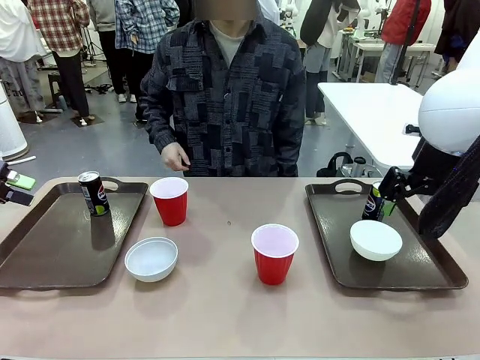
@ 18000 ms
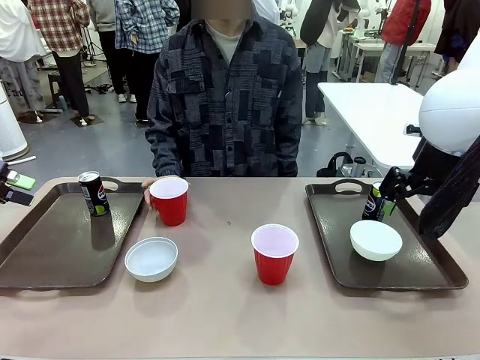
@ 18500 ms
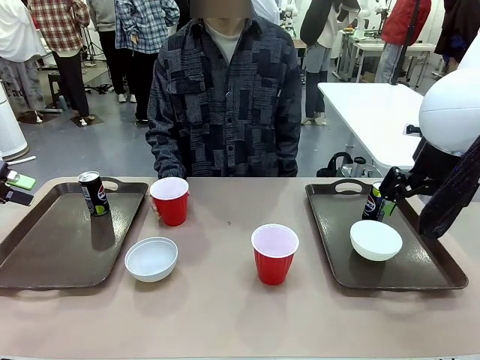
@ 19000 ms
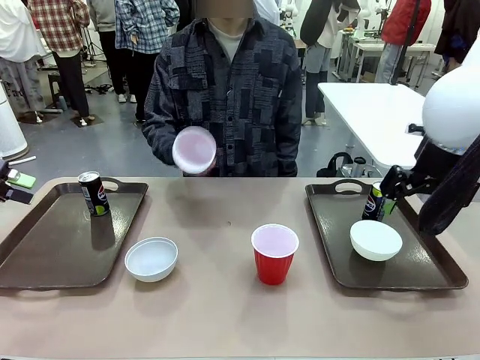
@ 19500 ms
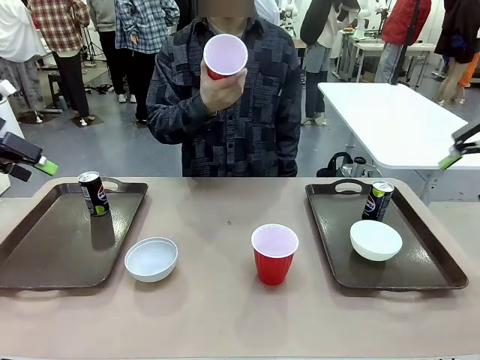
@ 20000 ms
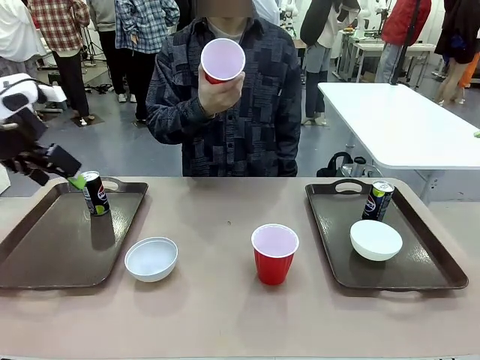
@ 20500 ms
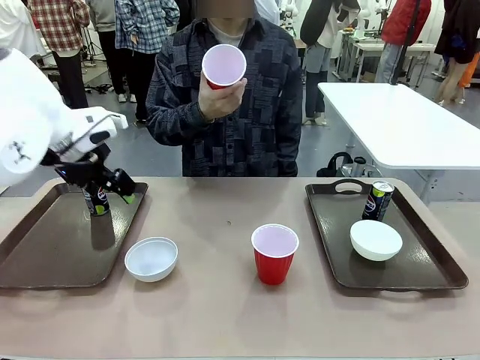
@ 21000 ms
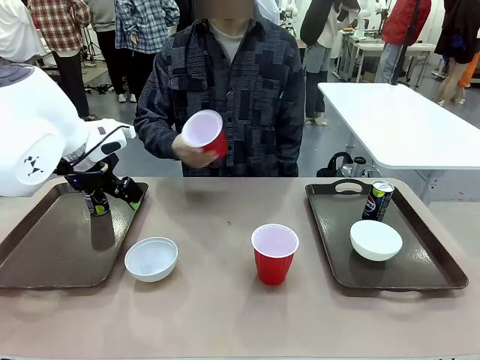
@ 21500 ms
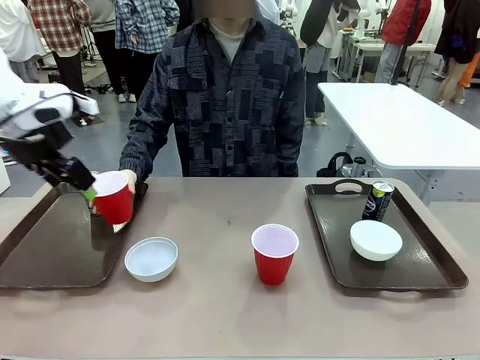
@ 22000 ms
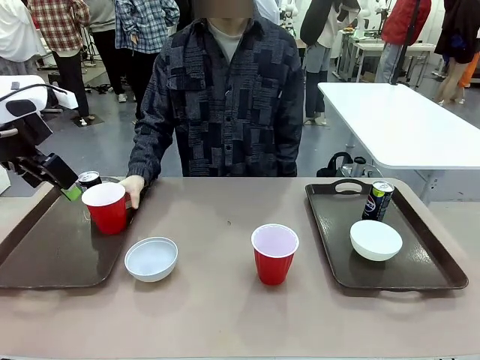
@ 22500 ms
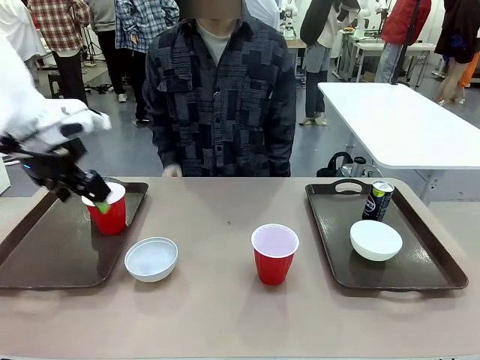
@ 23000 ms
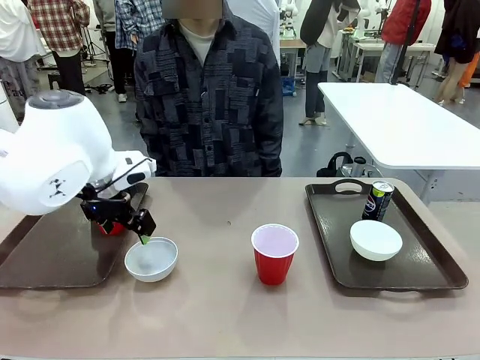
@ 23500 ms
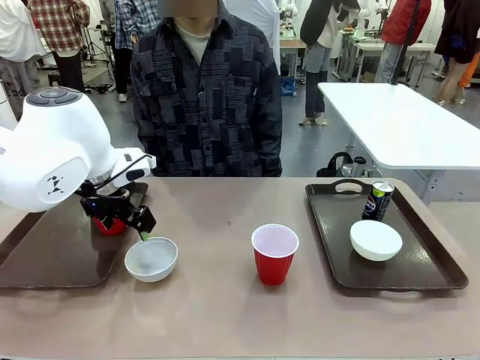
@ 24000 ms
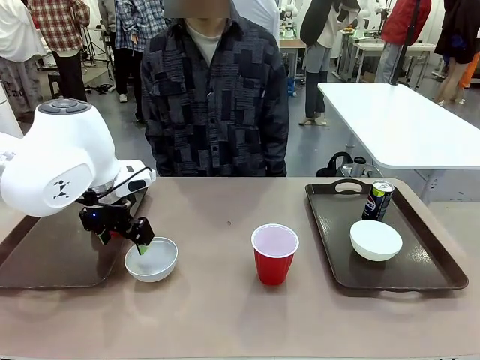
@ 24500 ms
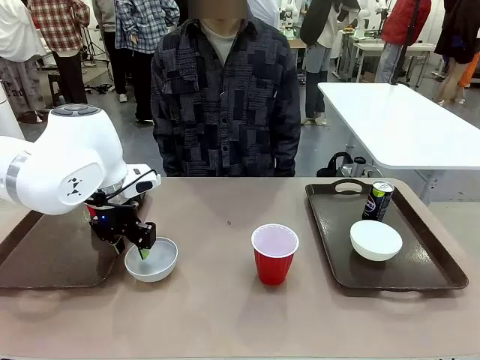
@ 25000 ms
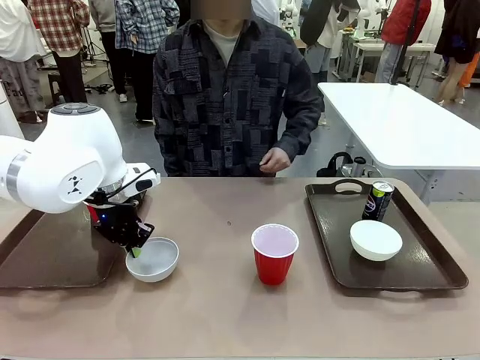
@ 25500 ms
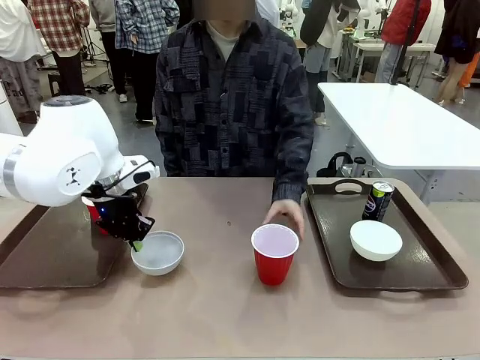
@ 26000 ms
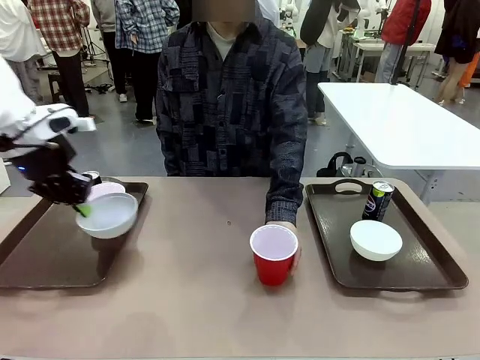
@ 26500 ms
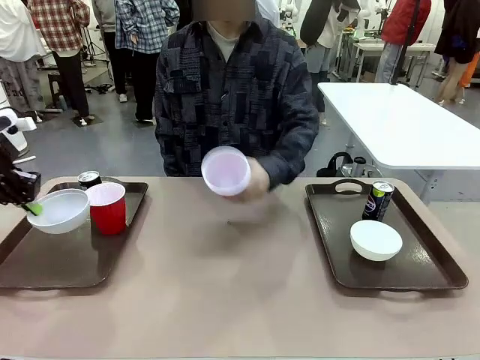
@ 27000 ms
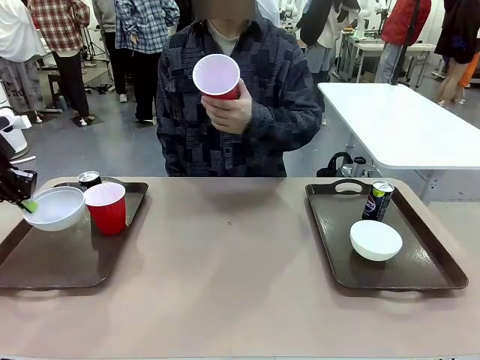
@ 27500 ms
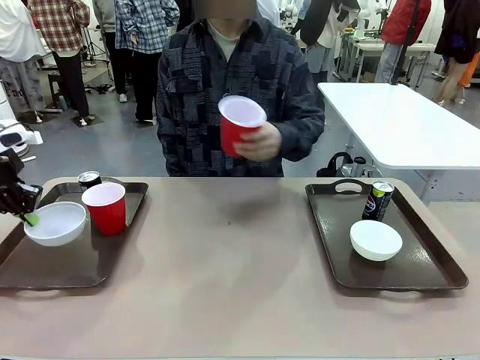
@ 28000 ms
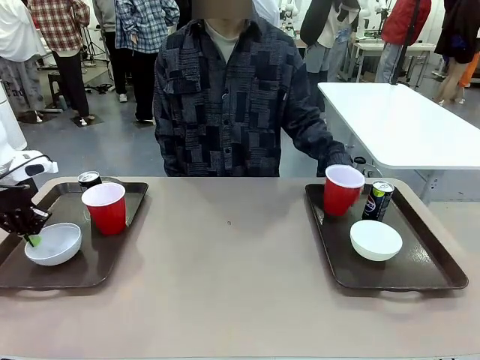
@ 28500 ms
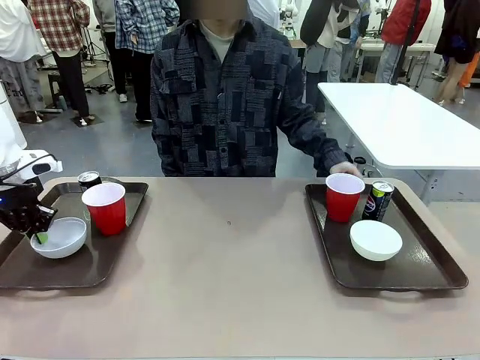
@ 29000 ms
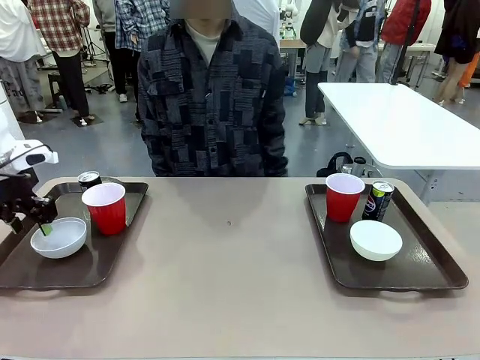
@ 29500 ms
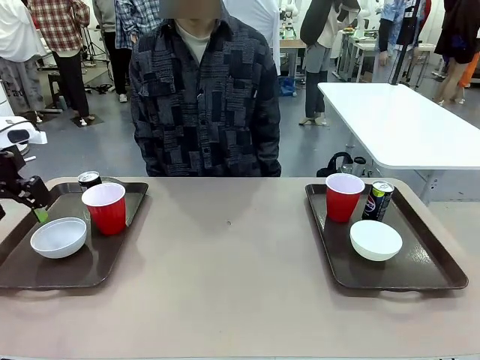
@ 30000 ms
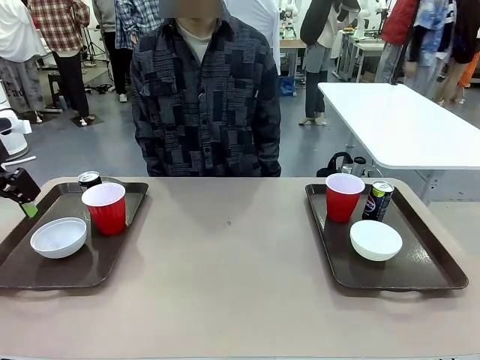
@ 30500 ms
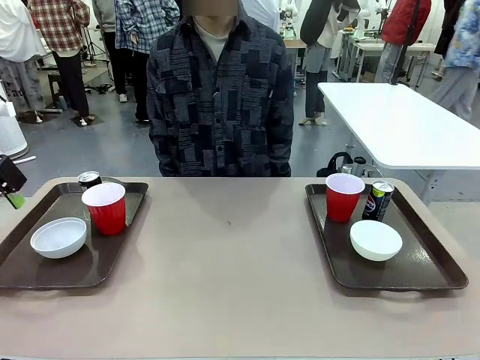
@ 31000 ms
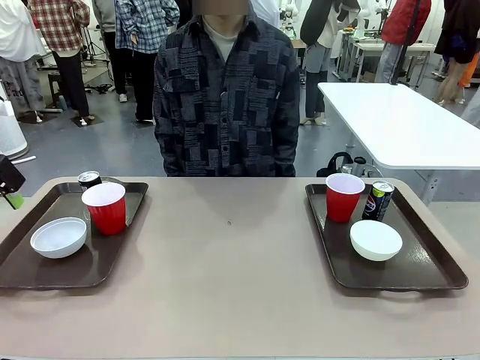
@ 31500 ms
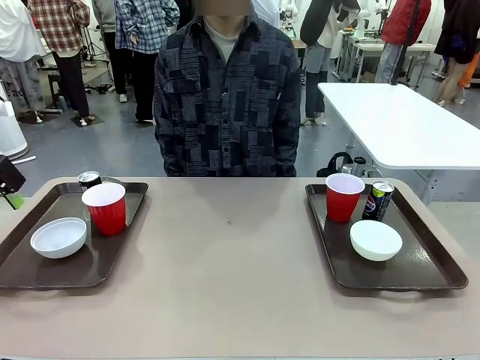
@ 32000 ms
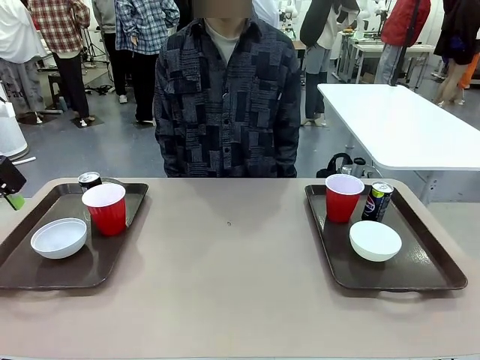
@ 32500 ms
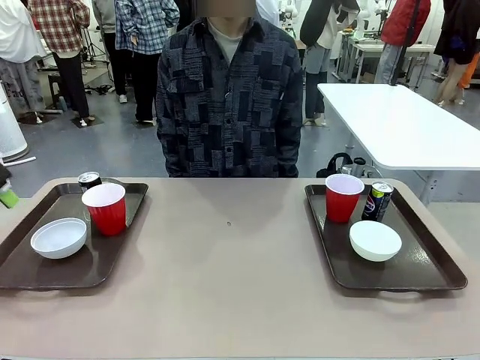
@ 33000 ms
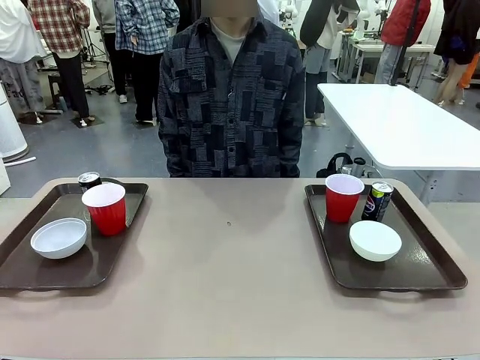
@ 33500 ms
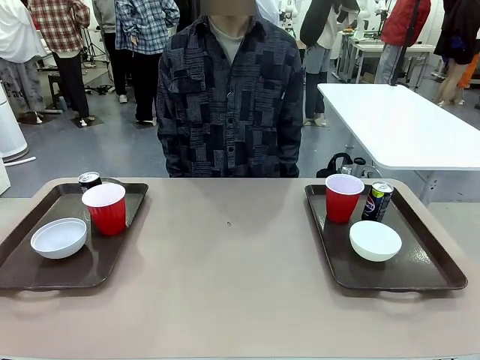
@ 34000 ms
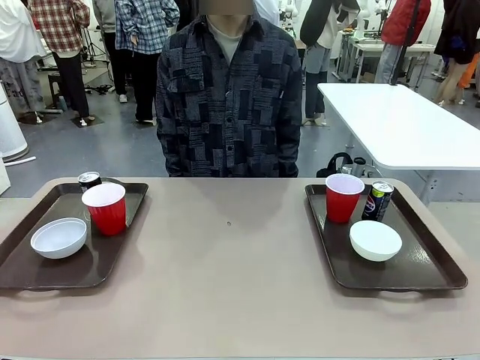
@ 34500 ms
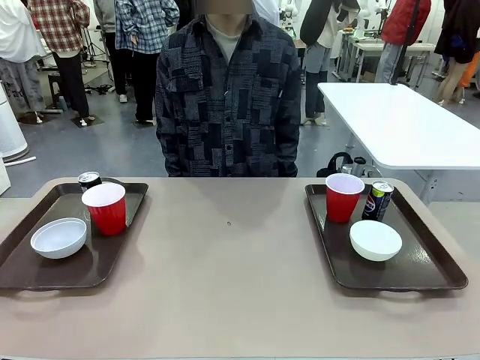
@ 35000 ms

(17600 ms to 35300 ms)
Task: Prepare tableware on both trays.
Robot: Pick up a Picnic Bowl from the table and place it on a Handle tray.
Person: Pick up a can or cup and place it on the tray without a can or cup.

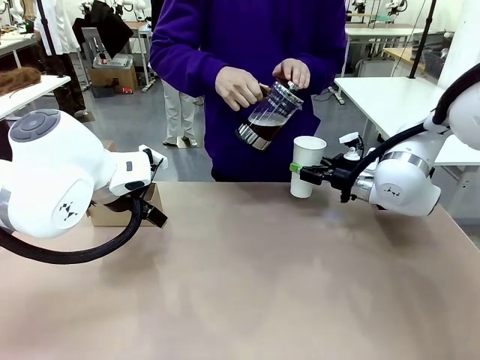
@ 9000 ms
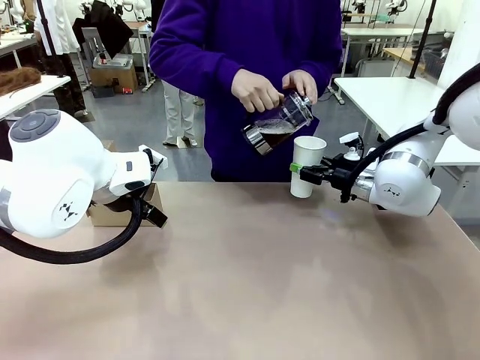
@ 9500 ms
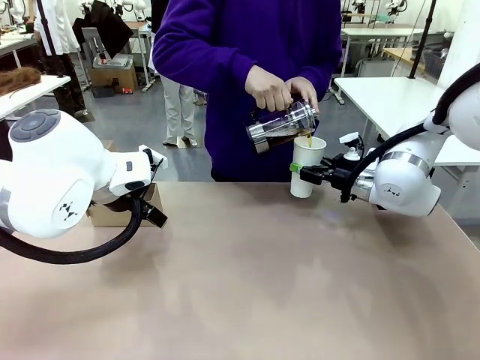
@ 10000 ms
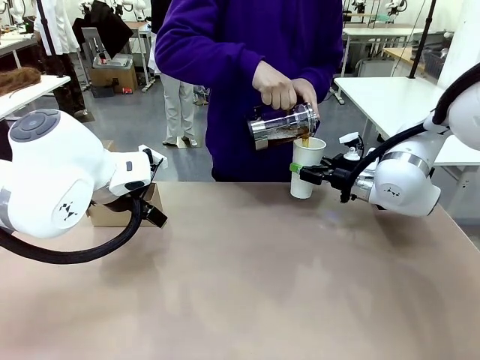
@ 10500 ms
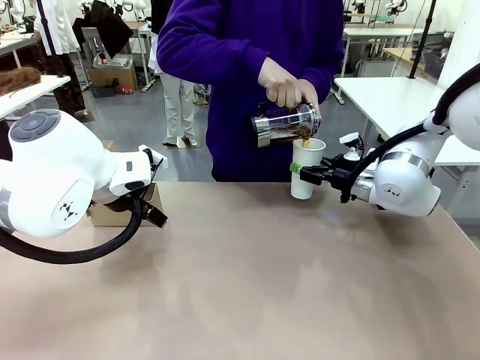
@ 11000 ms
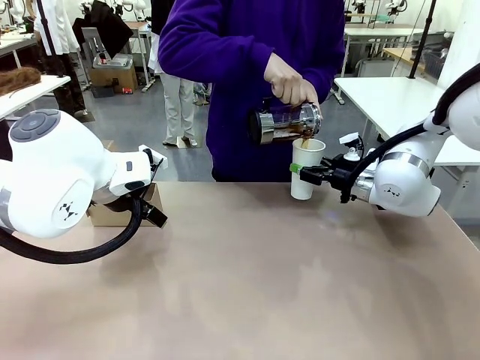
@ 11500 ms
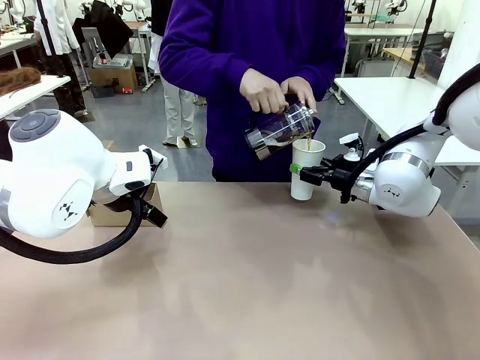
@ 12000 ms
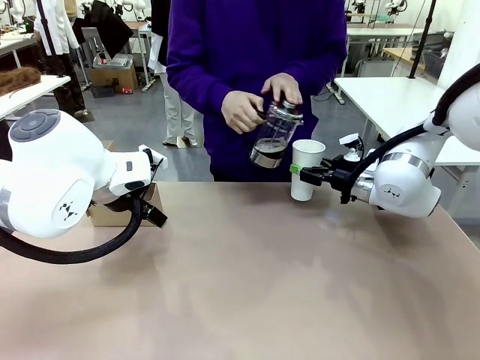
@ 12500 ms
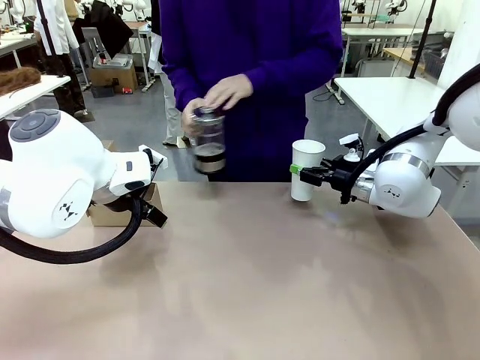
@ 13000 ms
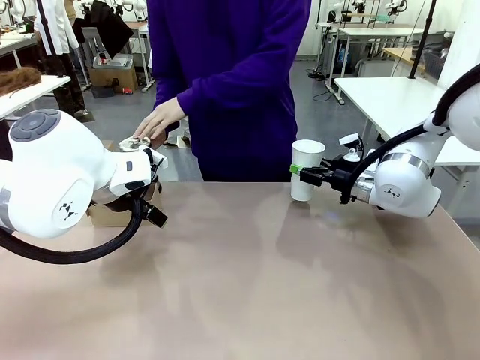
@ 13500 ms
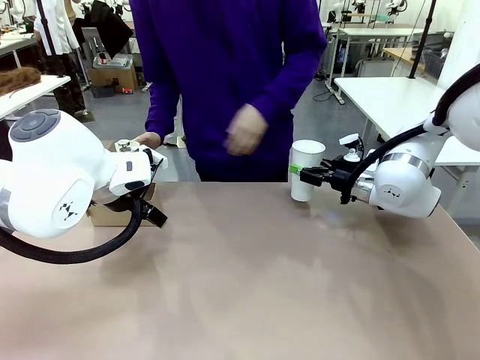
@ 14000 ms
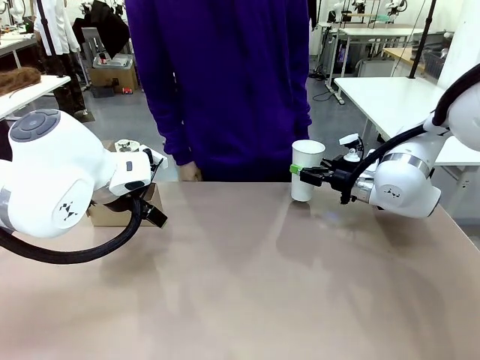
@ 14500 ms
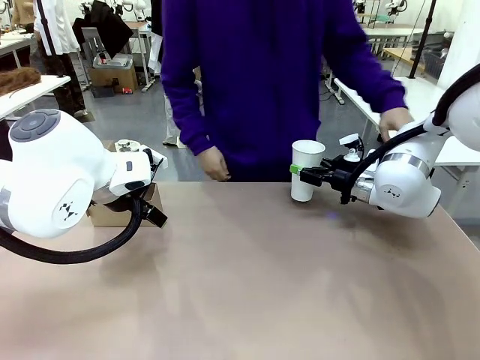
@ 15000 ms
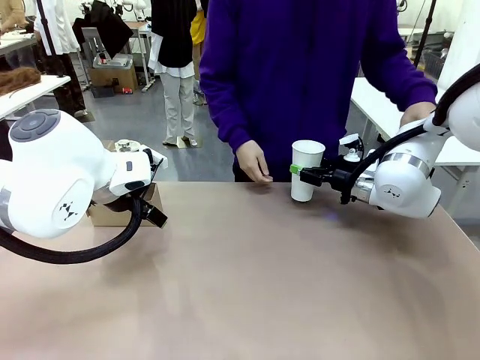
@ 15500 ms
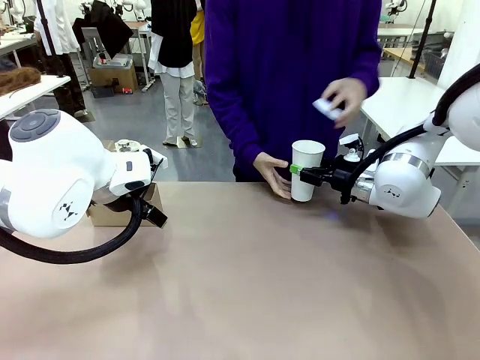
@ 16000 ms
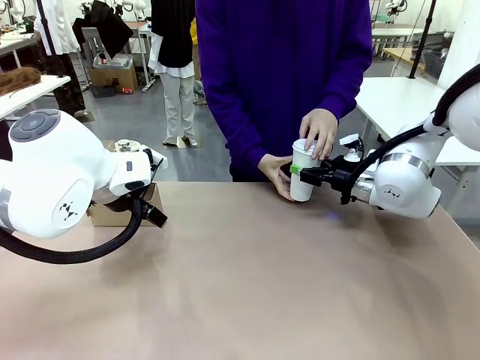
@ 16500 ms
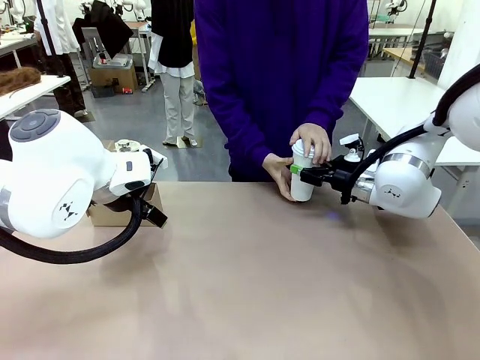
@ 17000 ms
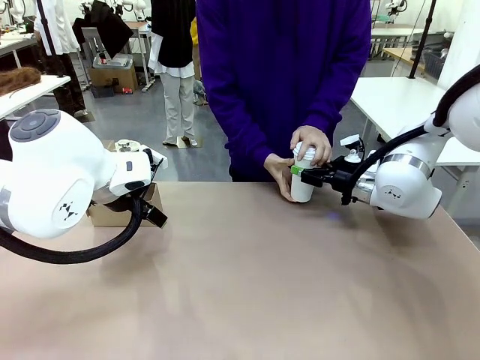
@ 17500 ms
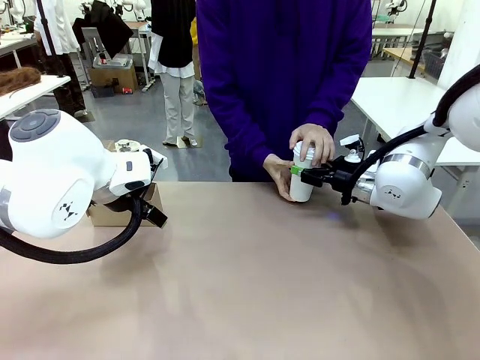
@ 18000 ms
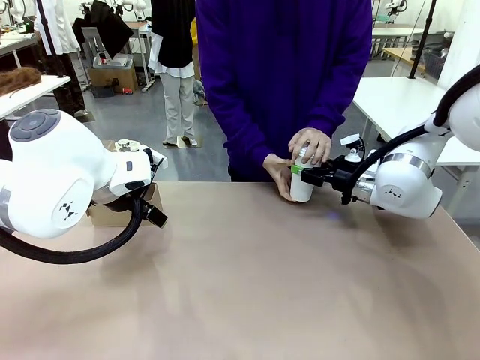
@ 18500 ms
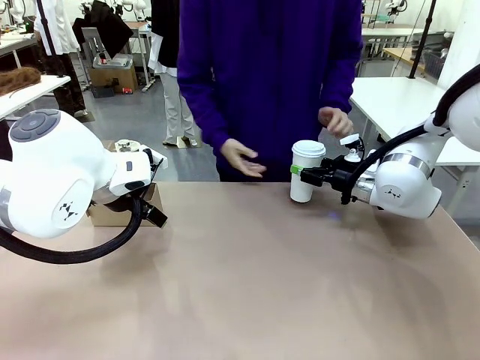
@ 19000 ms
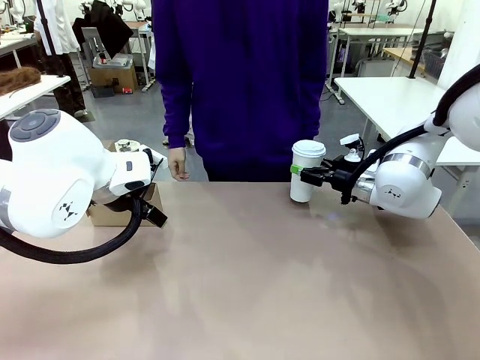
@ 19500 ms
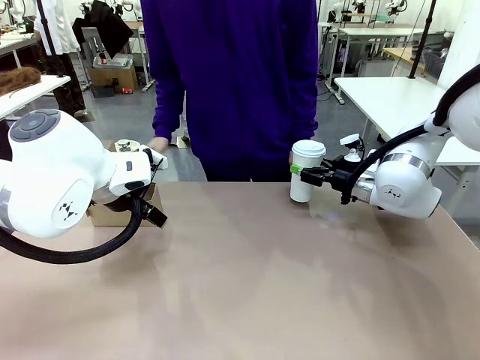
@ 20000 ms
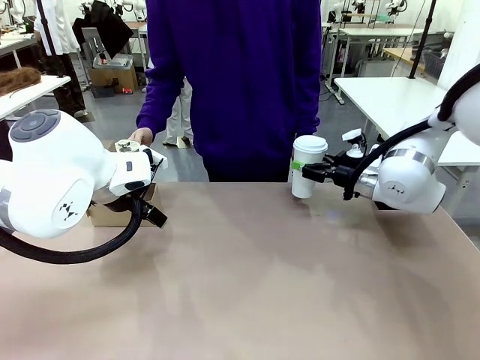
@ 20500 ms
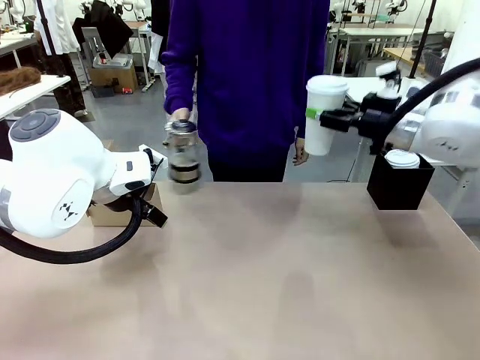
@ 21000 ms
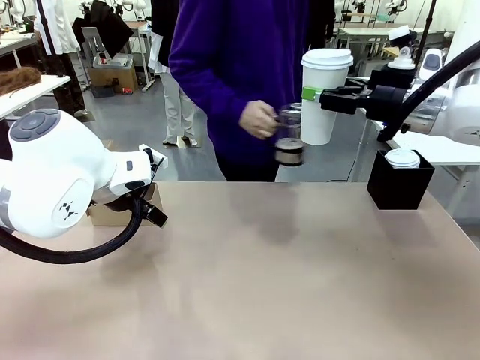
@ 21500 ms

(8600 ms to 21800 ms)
Task: Pour a drink into a cup and package it in a carrier.
Robot: When a person places the Paper Cup Lid on the 600 ml Paper Cup , lift the 600 ml Paper Cup.
Person: Pour the drink from the Filter Brewing into the 600 ml Paper Cup. Place a Paper Cup Lid on the 600 ml Paper Cup.
